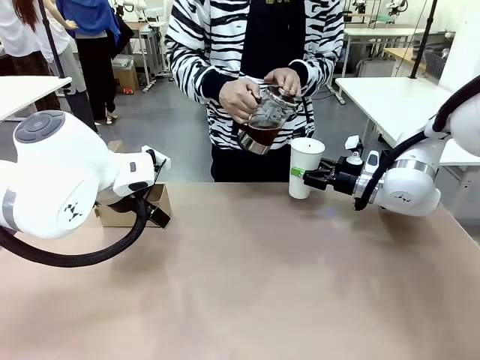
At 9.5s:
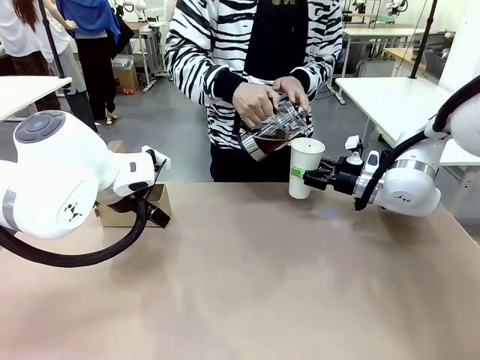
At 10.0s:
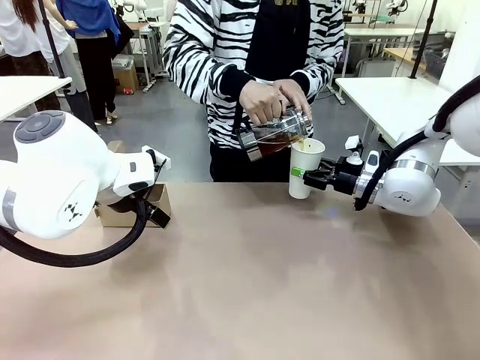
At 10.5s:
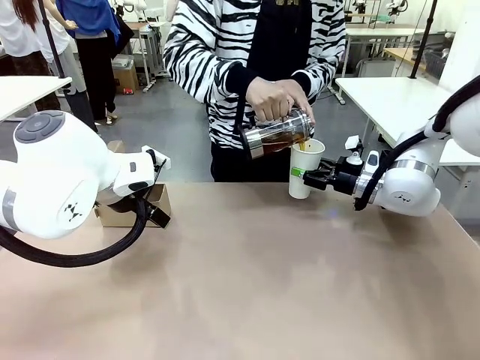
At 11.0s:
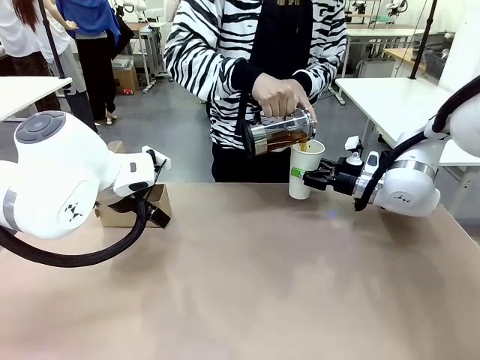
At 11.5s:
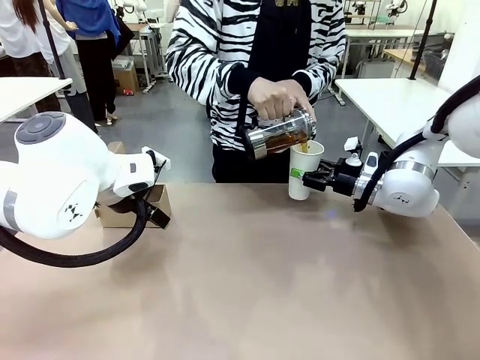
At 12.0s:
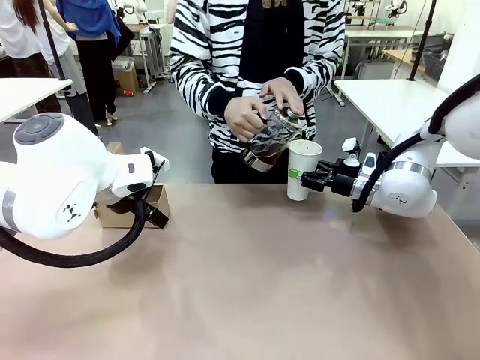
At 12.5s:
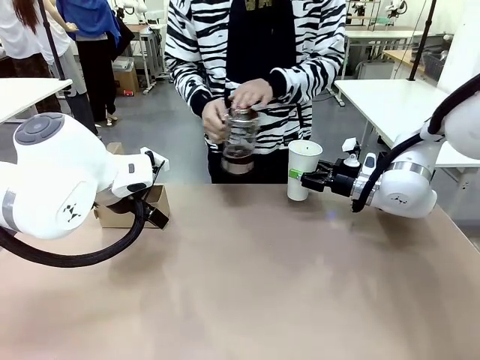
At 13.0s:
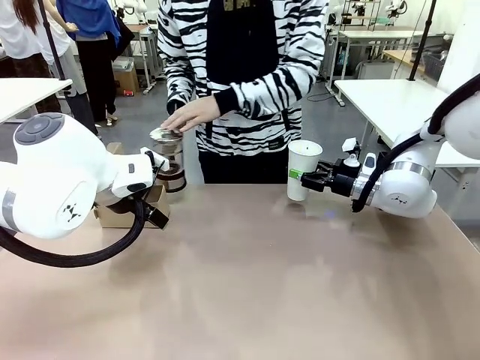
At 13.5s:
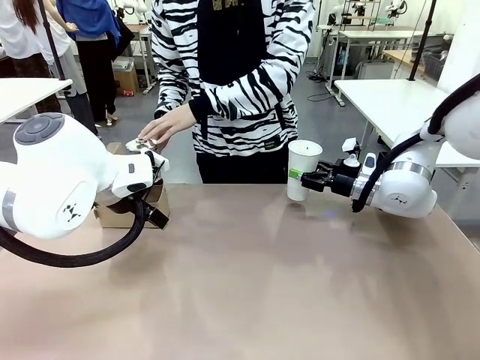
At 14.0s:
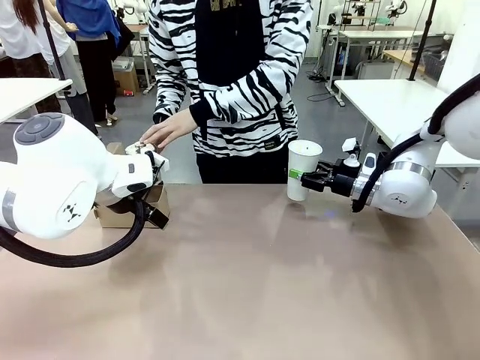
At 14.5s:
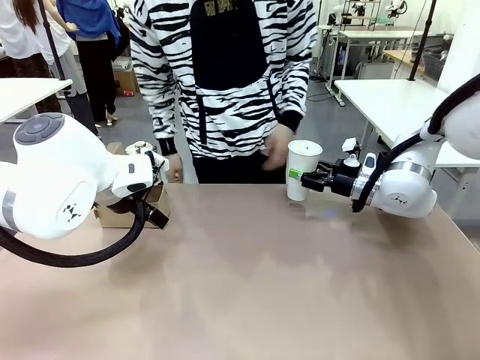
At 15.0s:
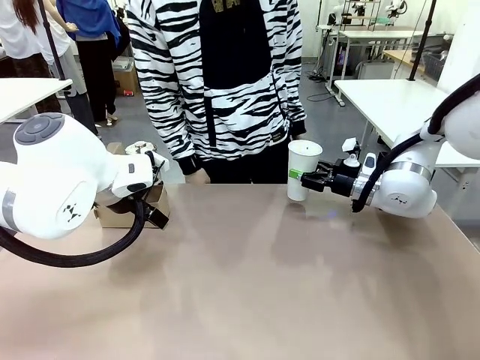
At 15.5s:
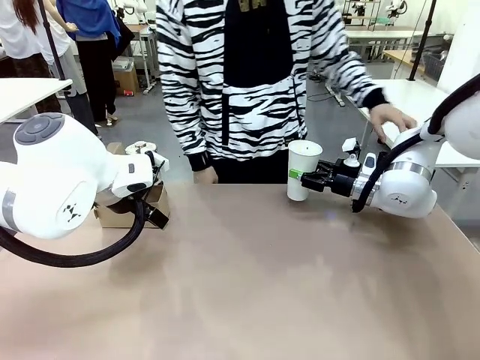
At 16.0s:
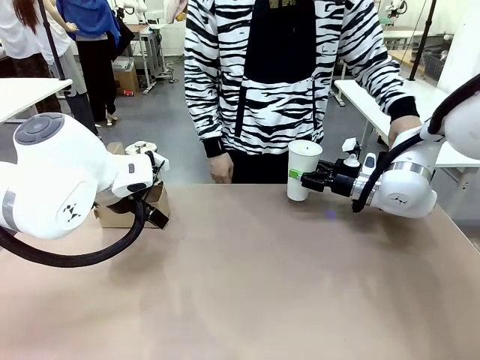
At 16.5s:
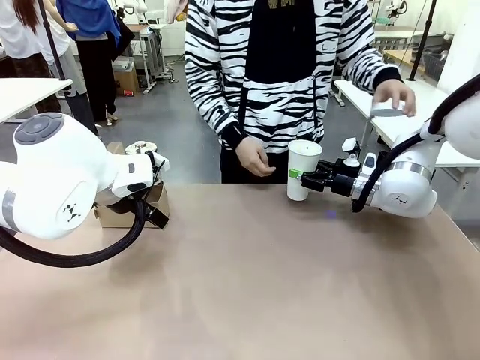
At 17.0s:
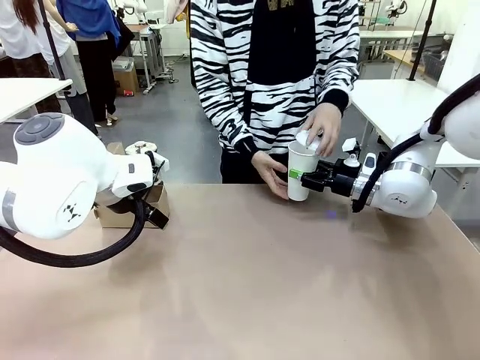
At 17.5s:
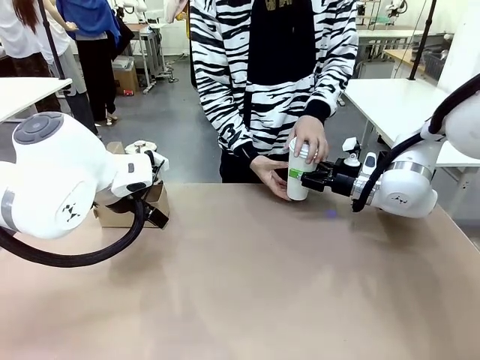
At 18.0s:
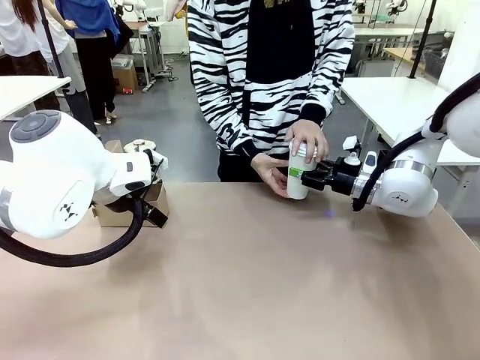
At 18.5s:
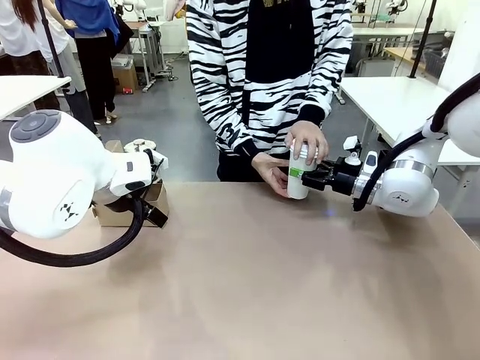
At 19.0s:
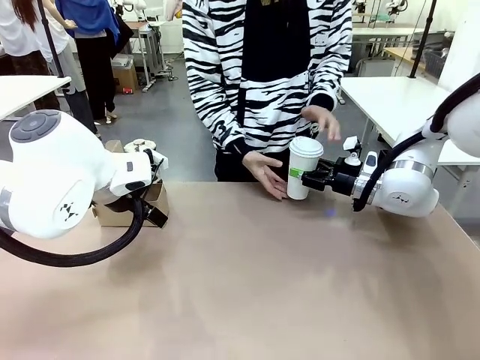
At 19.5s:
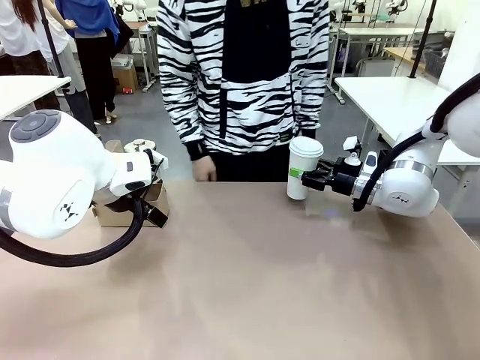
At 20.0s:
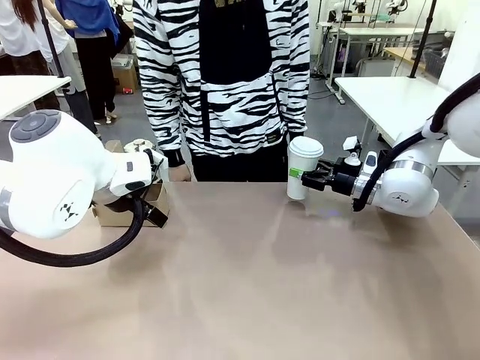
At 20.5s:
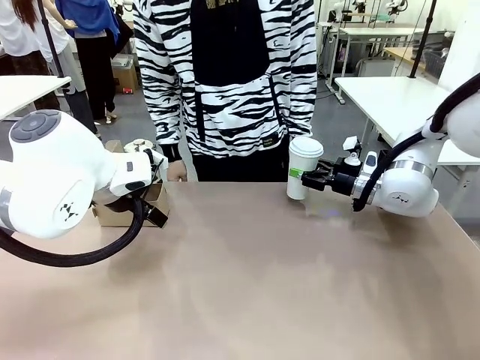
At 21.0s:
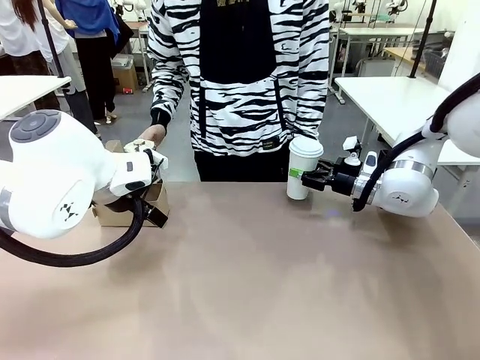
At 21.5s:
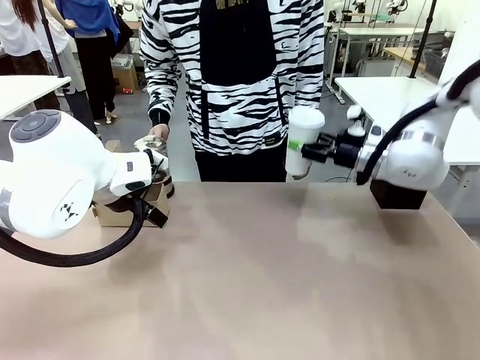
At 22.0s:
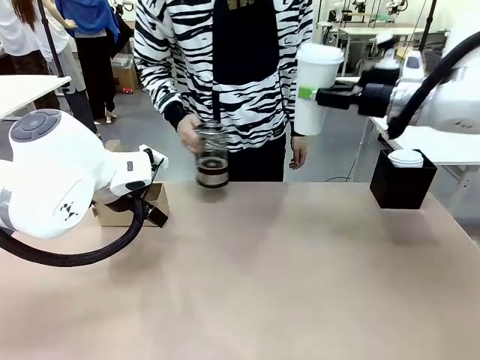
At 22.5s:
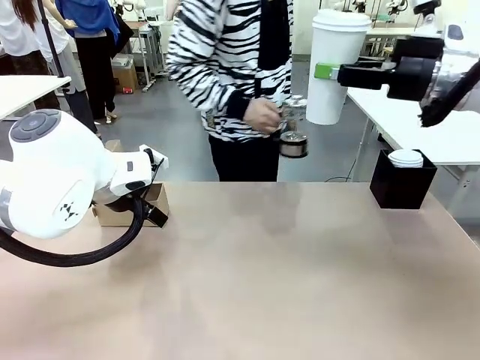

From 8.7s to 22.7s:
Task: Pour a drink into a cup and package it in a carrier.
Robot: When a person places the Paper Cup Lid on the 600 ml Paper Cup , lift the 600 ml Paper Cup.
Person: Pour the drink from the Filter Brewing into the 600 ml Paper Cup. Place a Paper Cup Lid on the 600 ml Paper Cup.

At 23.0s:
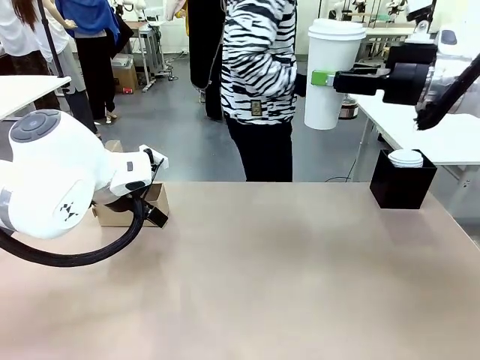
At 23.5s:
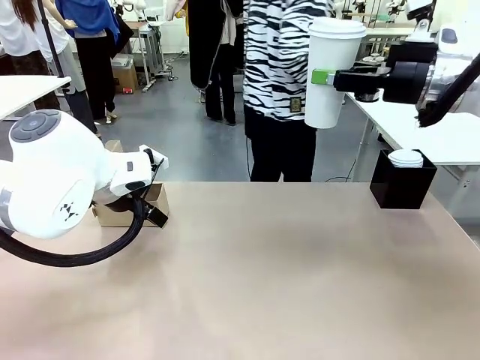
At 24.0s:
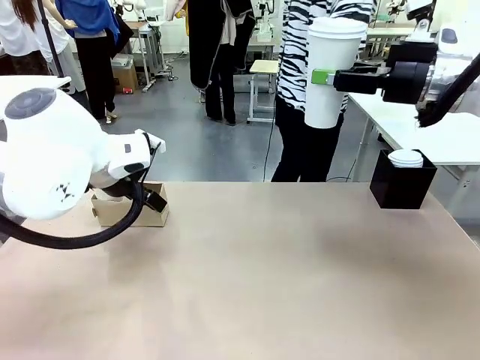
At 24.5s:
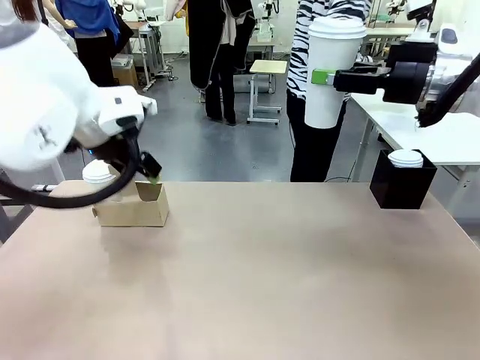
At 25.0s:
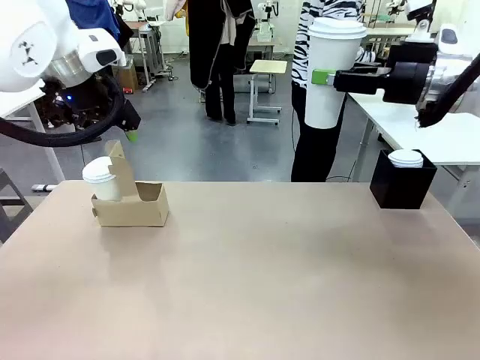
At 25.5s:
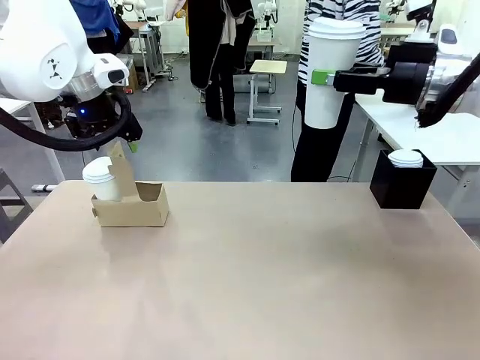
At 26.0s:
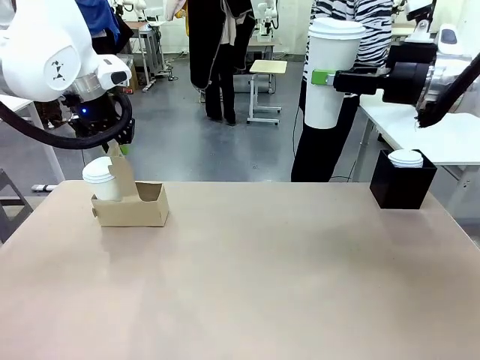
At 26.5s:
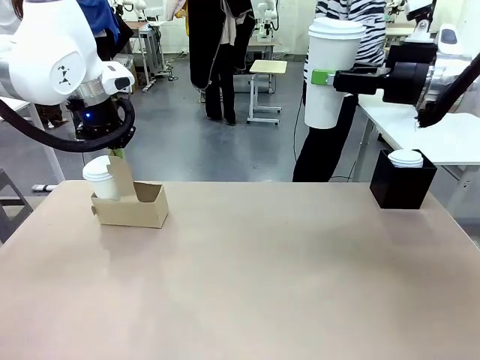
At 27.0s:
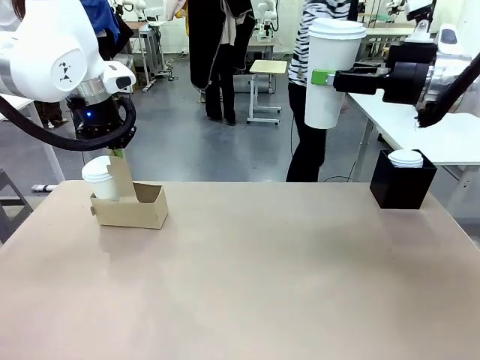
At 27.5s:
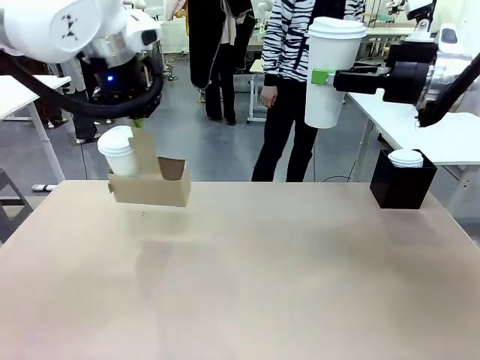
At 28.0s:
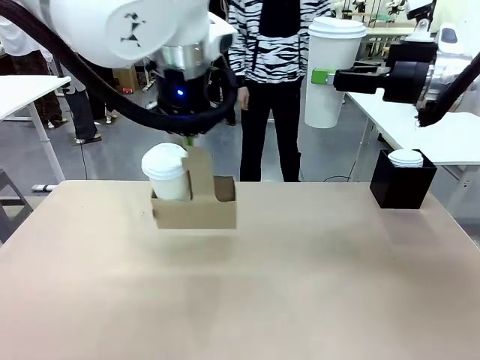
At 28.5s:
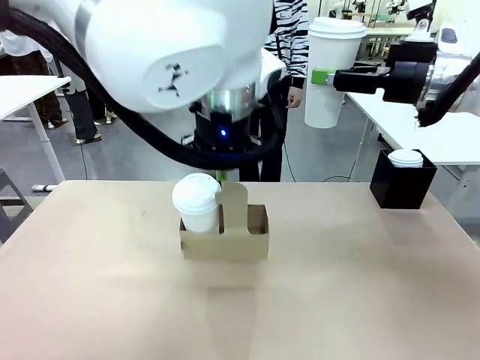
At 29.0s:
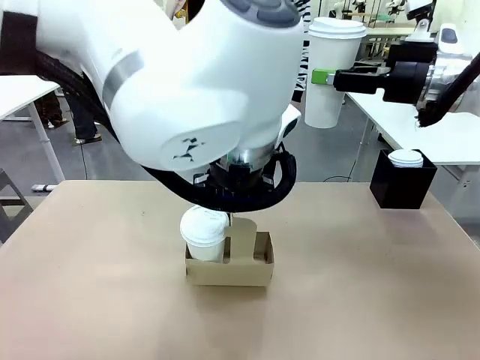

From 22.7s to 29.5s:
Robot: Position the Cup Carrier in the center of the table.
Person: Pick up the Filter Brewing and place on the middle of Human table, and return to the Robot table.

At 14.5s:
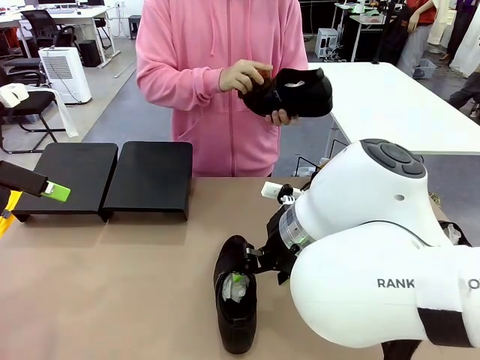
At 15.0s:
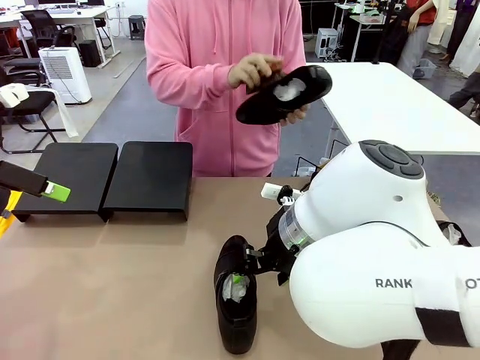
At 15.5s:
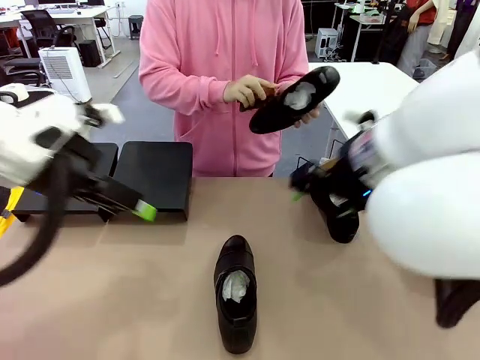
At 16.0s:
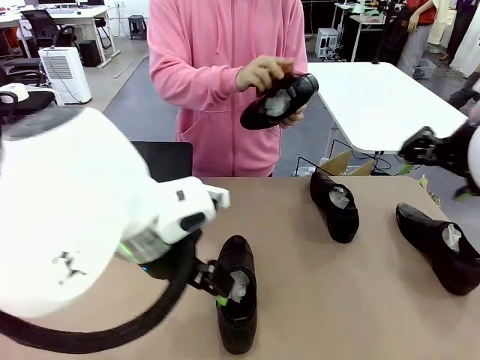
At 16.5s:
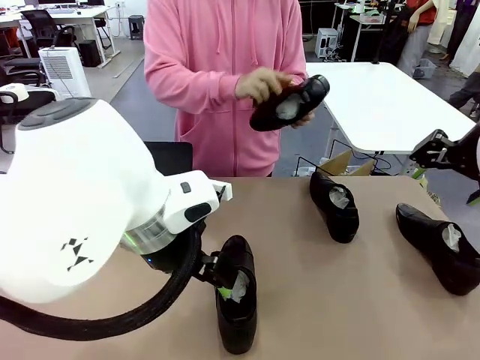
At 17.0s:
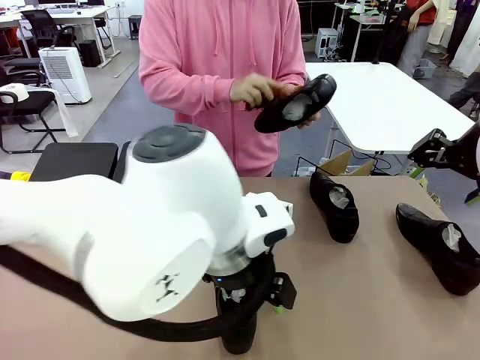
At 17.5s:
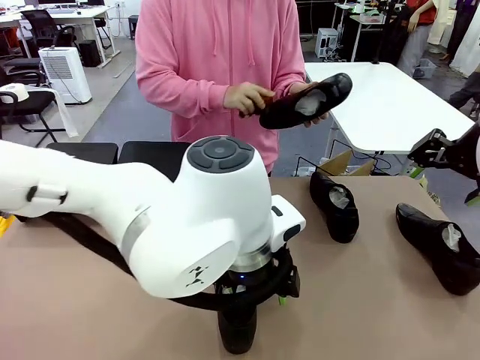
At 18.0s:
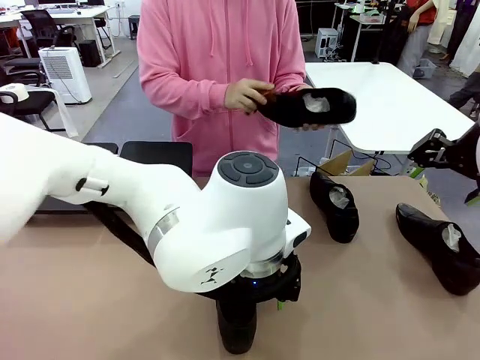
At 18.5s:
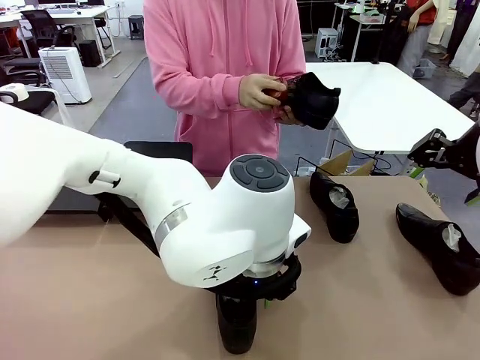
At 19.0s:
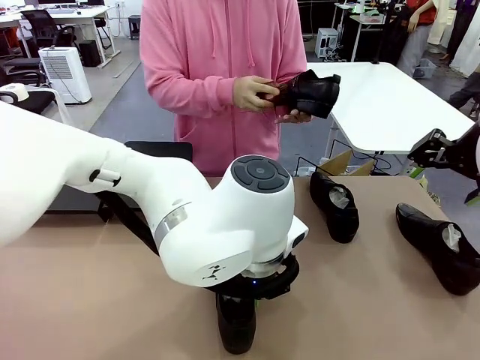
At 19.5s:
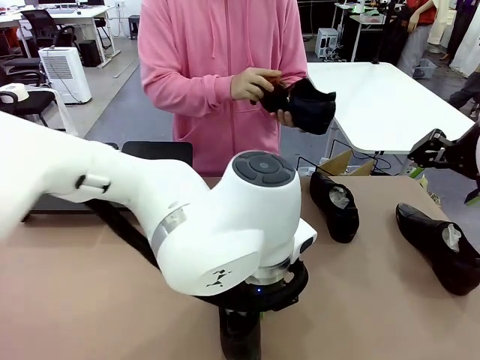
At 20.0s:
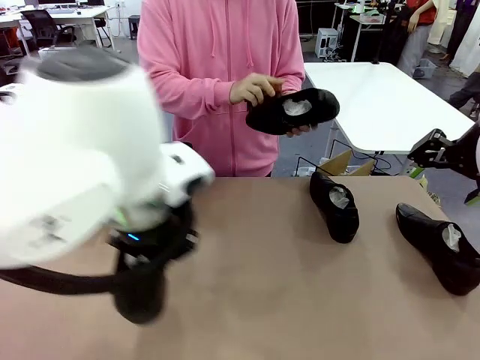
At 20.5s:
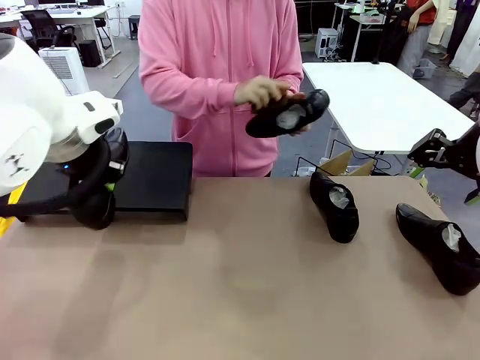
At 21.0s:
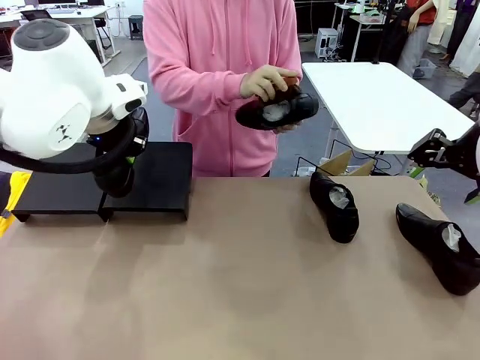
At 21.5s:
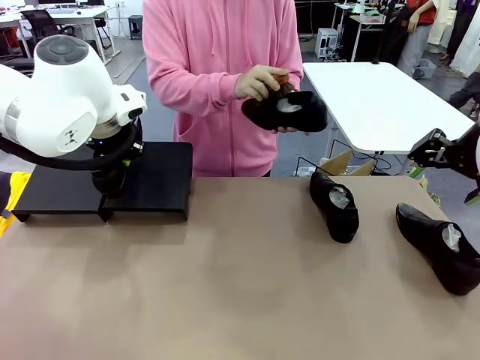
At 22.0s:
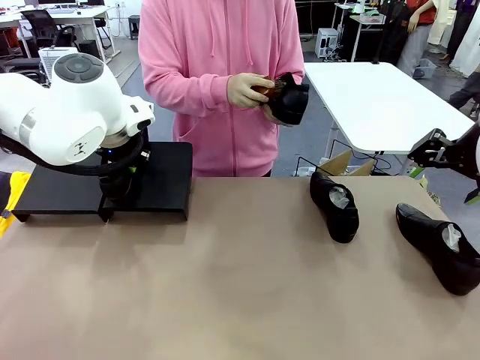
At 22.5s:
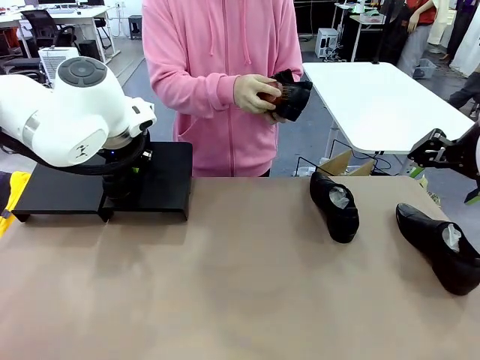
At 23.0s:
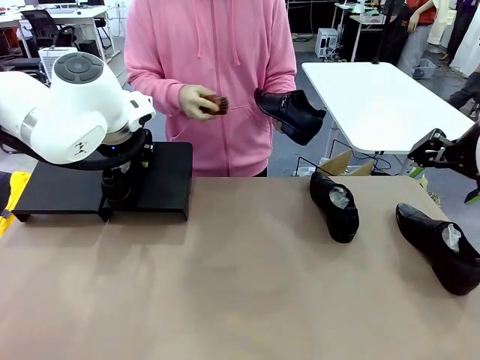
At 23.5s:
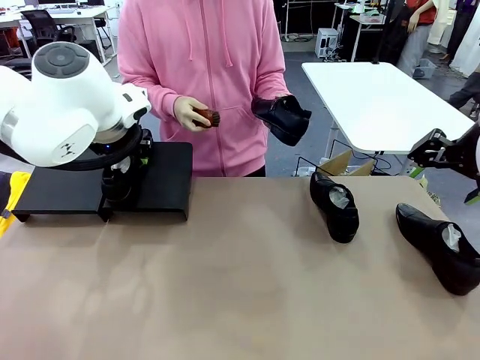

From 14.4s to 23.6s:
Task: Organize the shoes by placing them on the stand.
Robot: Place the Shoe from the middle of the table onto the Shoes Stand.
